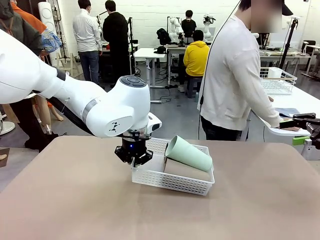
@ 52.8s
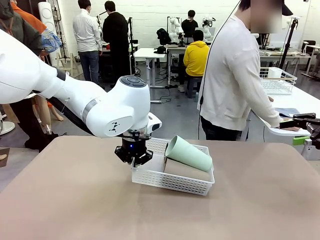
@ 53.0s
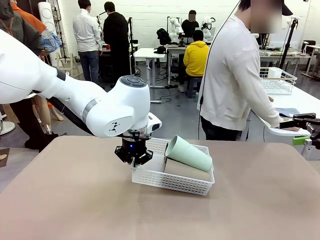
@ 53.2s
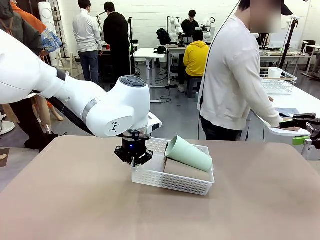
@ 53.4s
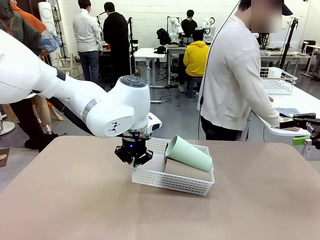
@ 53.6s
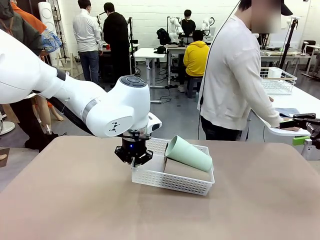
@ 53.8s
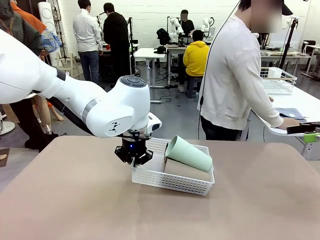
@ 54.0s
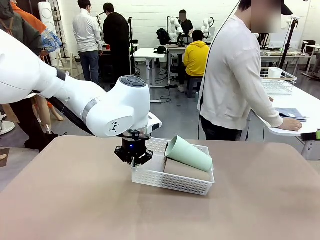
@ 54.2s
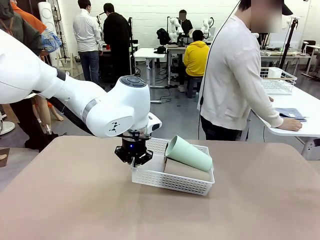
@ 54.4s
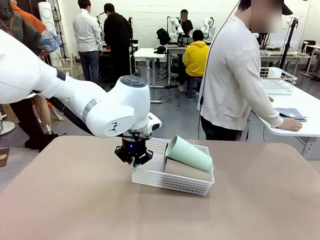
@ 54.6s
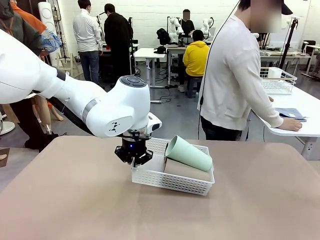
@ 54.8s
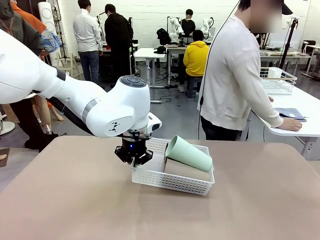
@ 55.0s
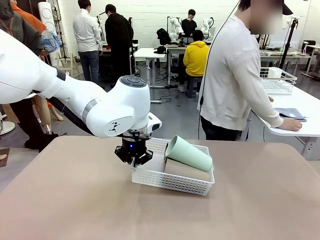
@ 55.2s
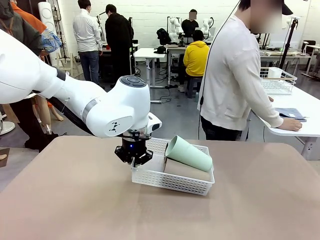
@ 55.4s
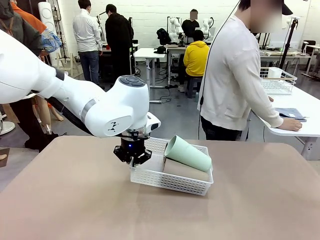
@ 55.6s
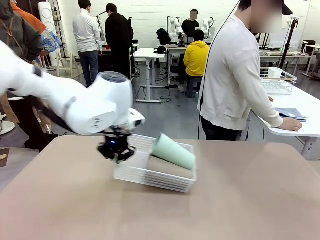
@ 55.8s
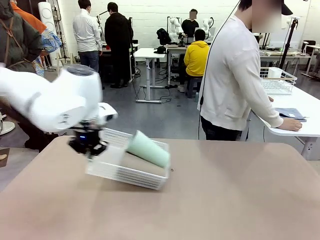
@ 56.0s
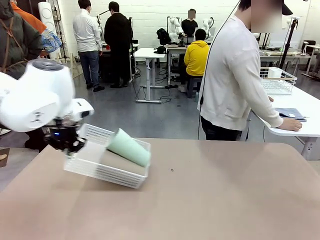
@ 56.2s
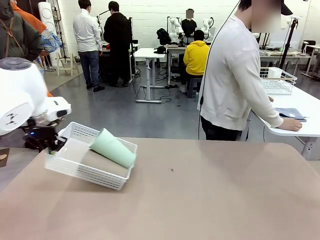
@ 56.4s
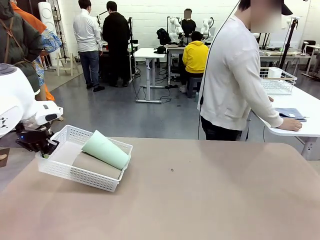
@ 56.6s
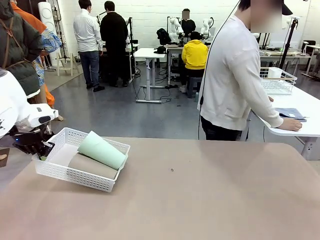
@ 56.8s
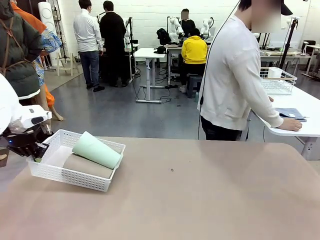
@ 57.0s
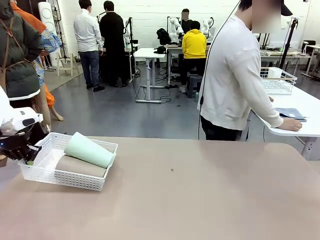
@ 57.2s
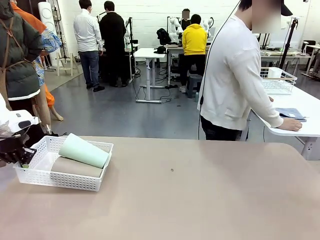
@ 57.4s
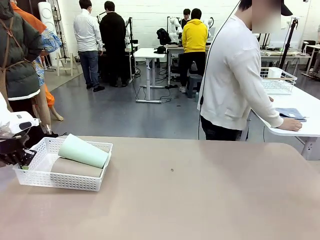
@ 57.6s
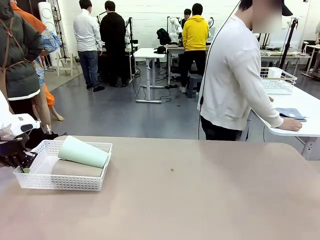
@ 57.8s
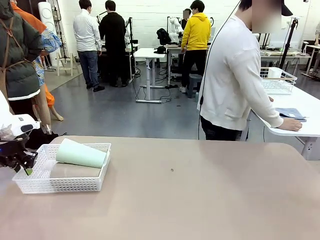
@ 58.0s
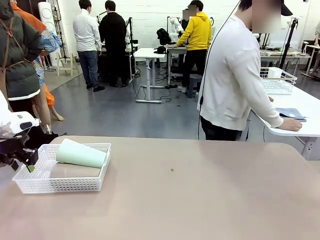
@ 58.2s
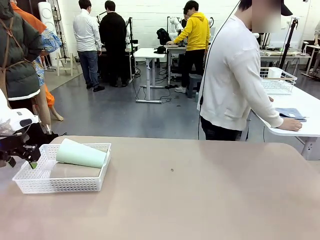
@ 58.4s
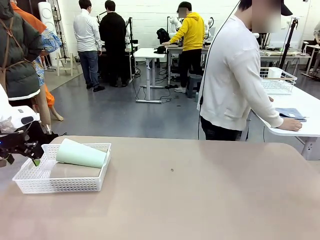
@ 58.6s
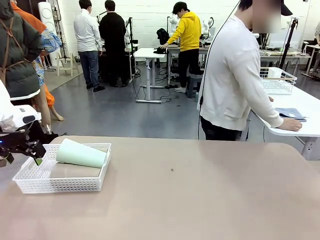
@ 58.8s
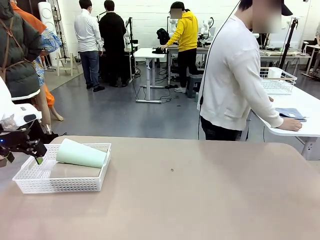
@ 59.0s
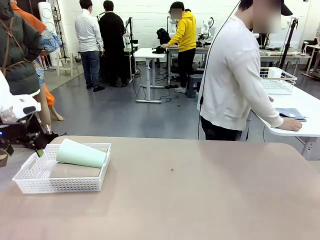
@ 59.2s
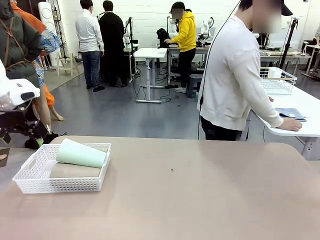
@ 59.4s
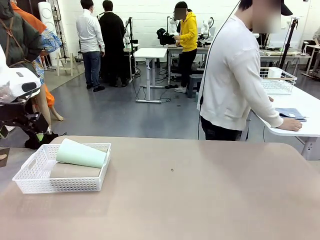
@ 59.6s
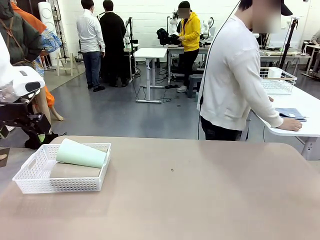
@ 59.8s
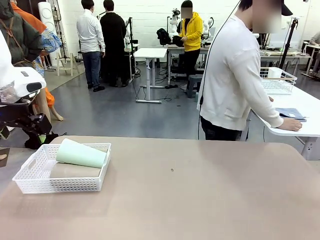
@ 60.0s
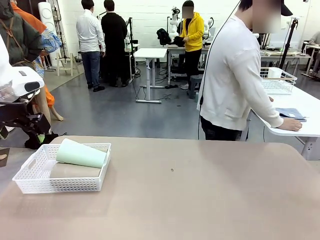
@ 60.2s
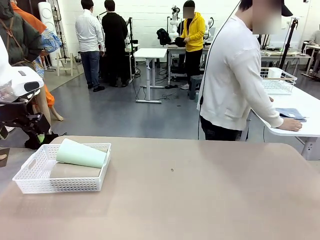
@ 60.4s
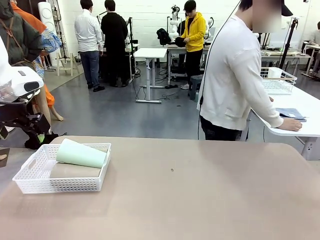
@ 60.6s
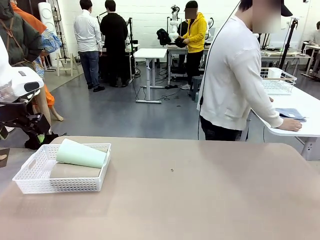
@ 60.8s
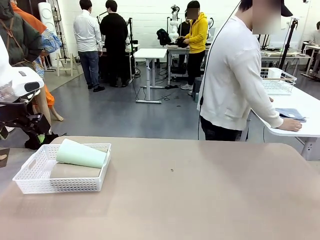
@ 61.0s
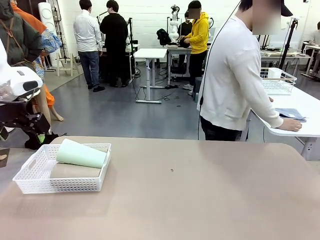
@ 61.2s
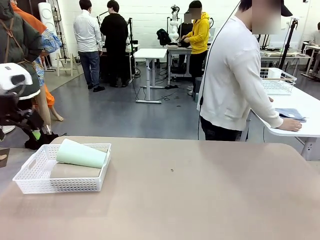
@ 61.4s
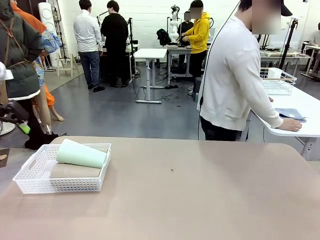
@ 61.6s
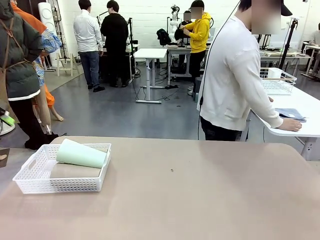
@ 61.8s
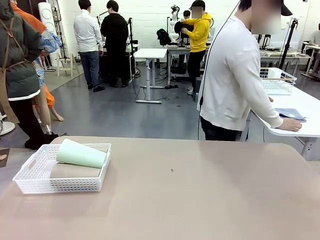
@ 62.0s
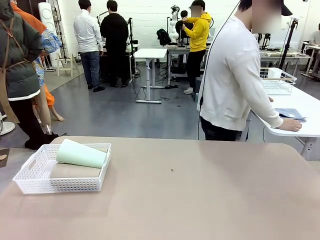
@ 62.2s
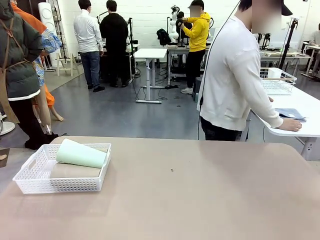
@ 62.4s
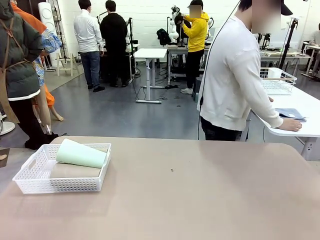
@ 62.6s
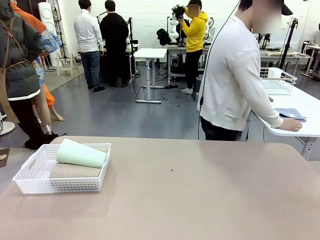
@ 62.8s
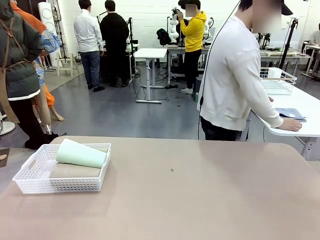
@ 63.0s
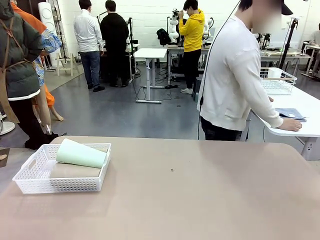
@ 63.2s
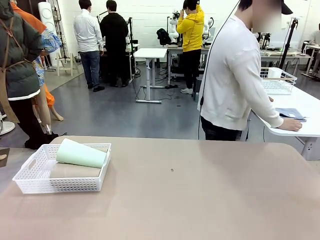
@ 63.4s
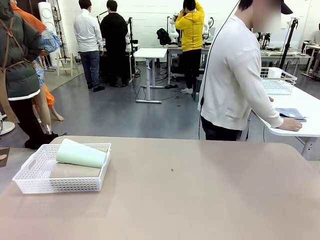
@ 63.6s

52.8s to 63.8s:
Task: Clean and organize the cups into the basket.
Robot: Move the Organizing basket back to the left side of the table.

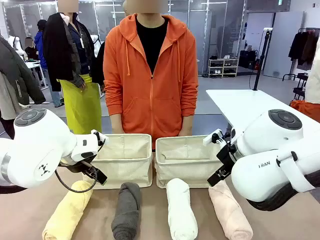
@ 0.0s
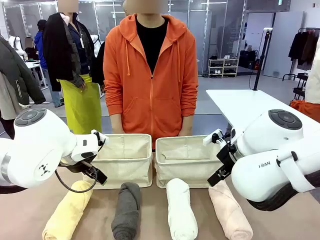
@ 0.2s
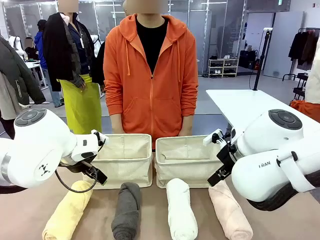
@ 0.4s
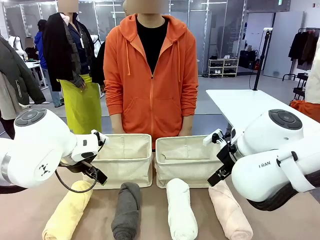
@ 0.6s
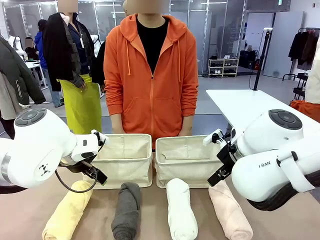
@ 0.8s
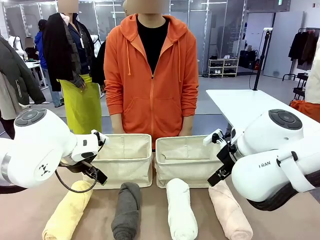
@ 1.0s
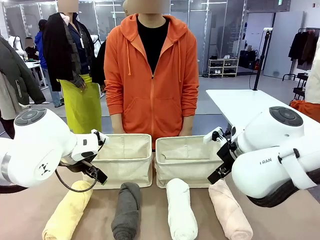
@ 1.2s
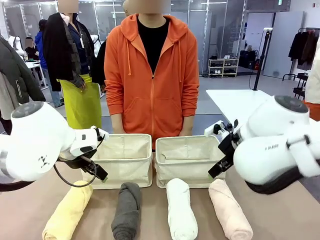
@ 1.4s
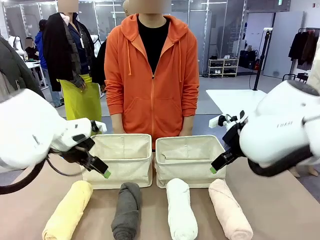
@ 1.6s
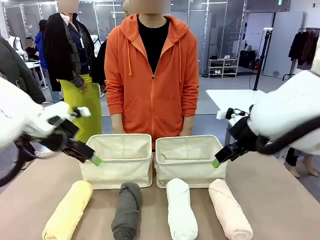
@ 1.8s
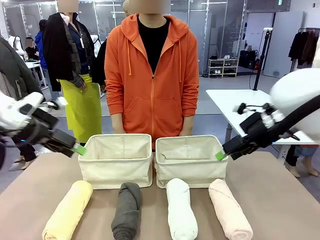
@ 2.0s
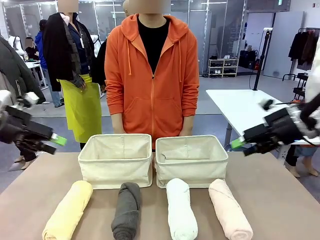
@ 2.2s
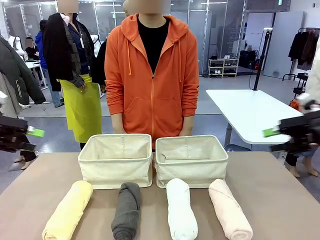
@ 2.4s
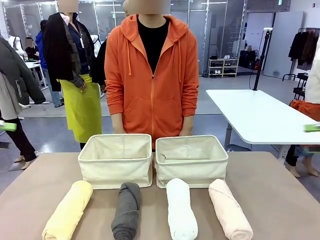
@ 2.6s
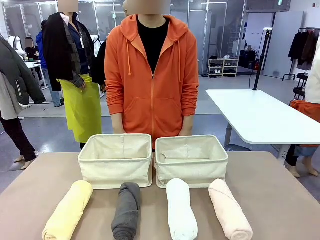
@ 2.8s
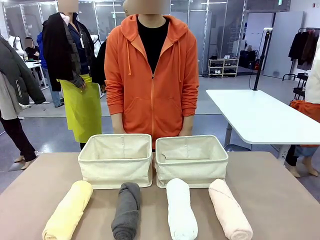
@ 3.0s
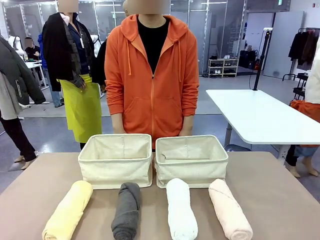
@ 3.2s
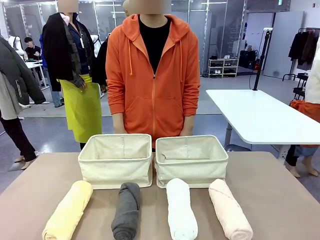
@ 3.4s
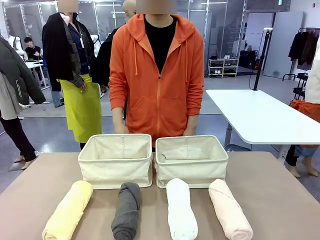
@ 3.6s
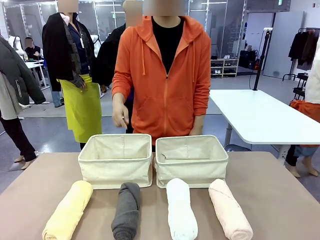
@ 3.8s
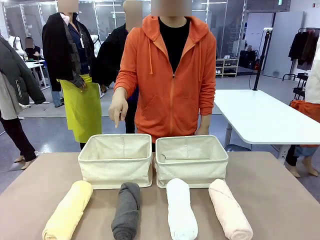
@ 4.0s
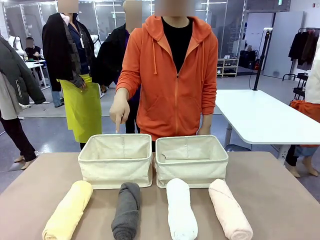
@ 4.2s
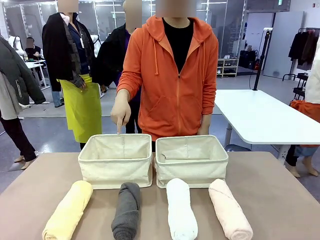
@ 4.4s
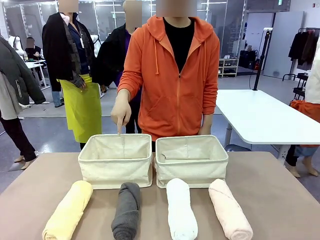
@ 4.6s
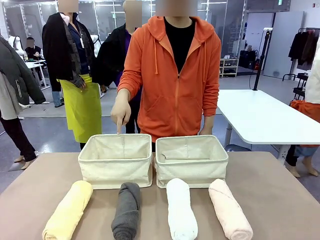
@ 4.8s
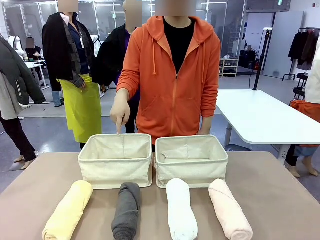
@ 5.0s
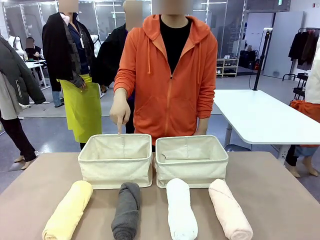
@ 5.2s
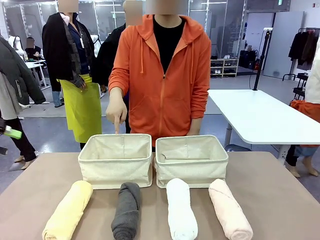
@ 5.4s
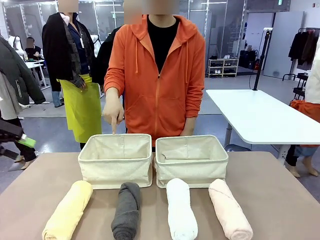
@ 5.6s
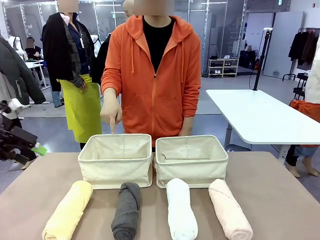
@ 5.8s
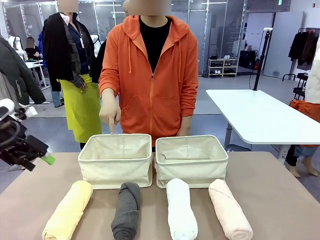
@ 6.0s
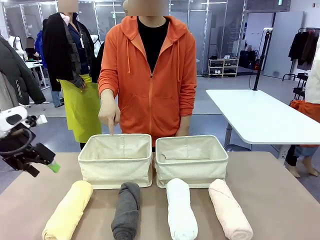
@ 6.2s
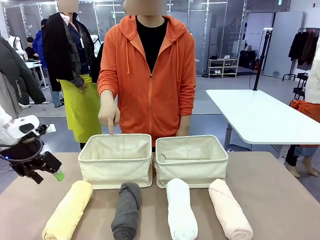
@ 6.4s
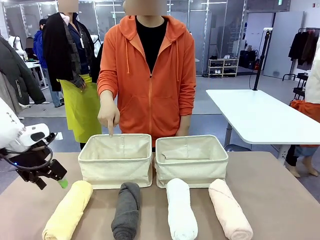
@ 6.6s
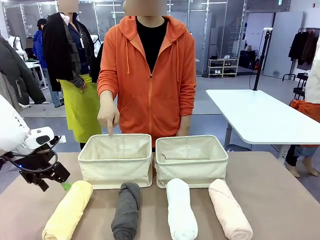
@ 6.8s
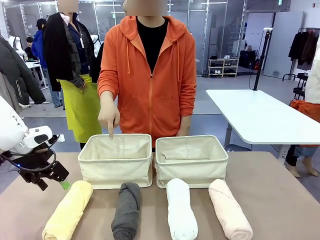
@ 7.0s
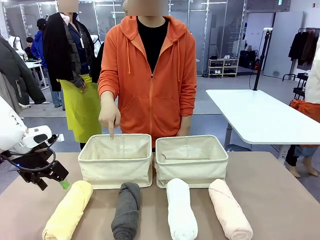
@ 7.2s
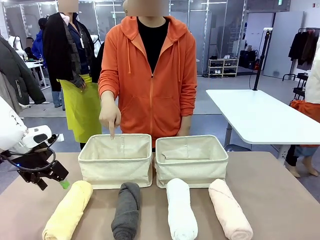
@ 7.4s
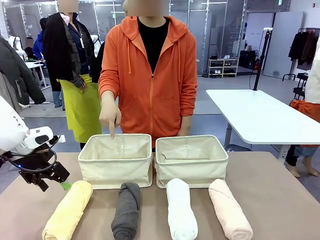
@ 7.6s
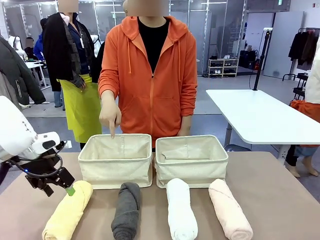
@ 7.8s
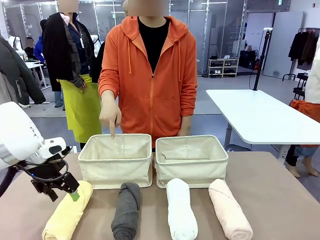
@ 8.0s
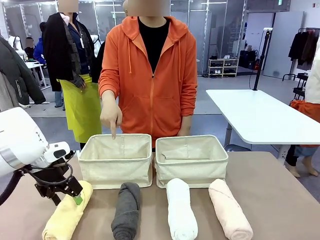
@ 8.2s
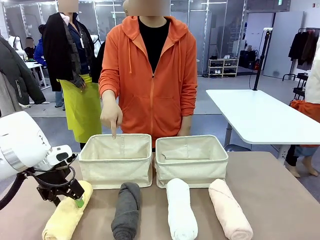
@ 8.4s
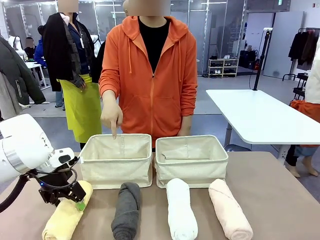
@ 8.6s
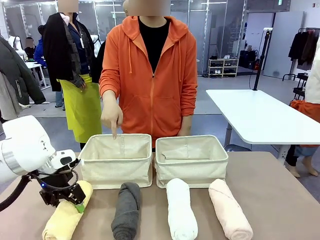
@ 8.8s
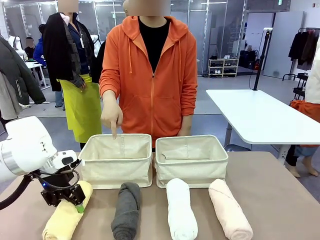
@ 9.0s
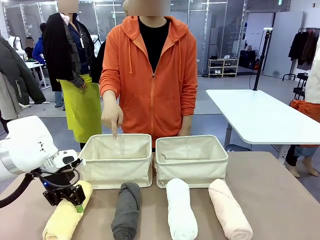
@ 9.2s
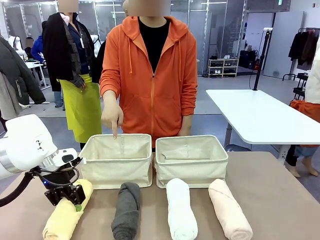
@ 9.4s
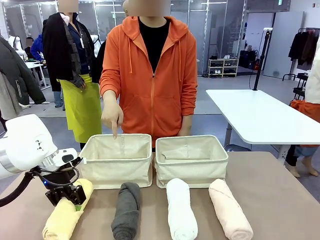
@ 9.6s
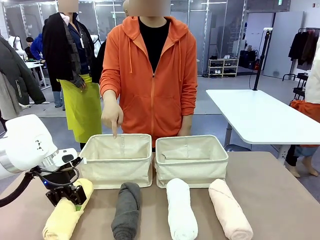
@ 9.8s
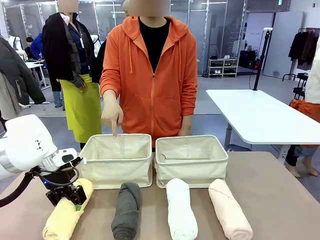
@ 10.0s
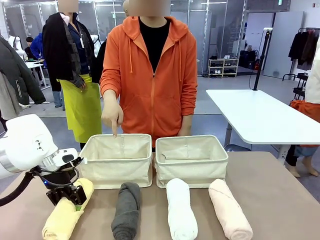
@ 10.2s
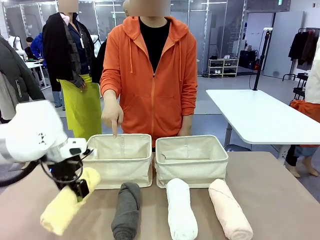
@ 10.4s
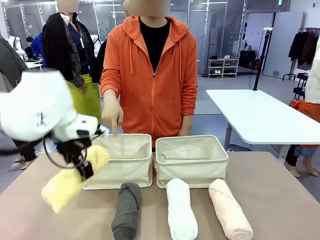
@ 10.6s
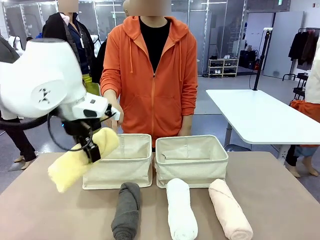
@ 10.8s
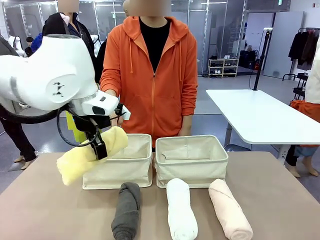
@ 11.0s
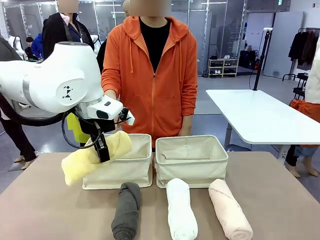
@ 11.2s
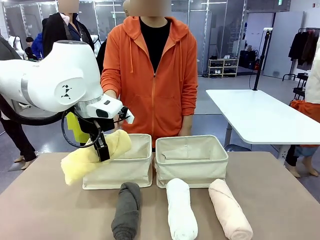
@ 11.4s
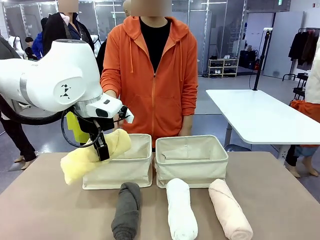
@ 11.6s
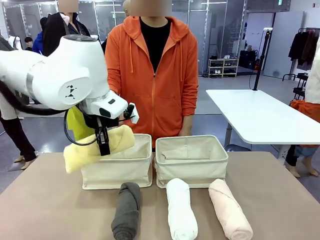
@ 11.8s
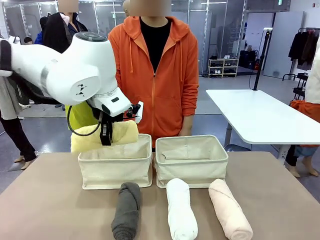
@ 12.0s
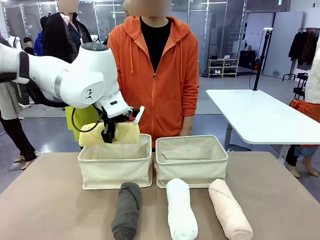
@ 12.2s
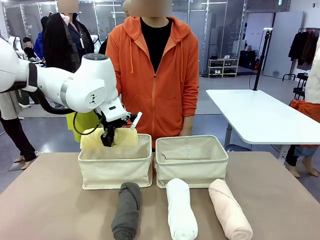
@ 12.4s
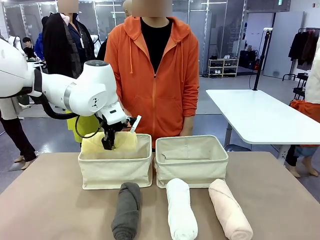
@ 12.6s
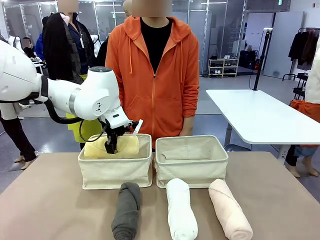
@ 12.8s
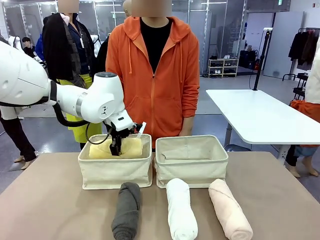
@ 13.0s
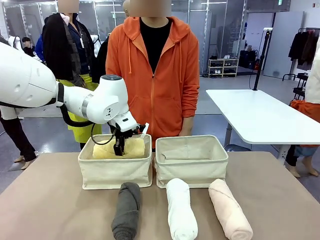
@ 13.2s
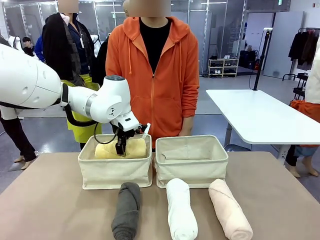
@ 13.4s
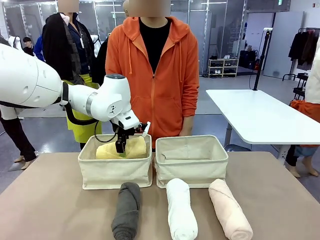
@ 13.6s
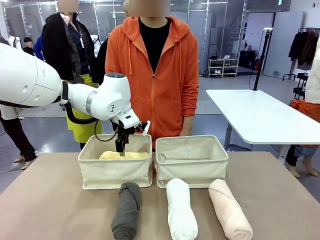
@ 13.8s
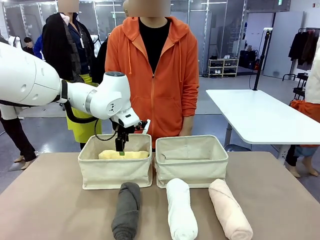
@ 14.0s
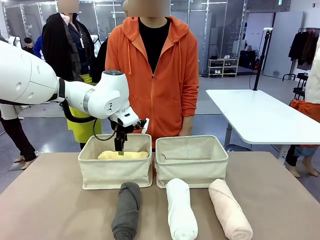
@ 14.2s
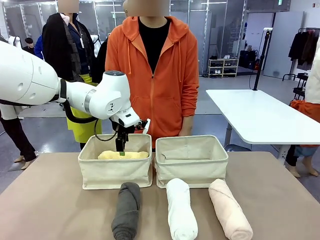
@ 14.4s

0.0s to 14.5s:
Task: Divide the towels into two baskets.
Robot: Pick up one hotel-folded towel and place it in the Fabric basket indicated by the person.
